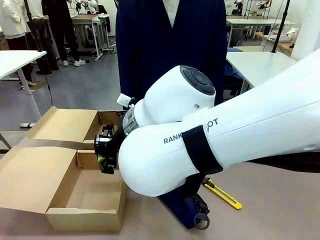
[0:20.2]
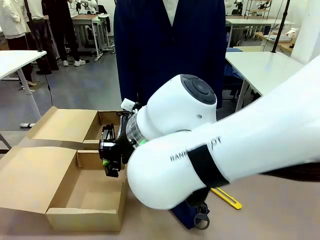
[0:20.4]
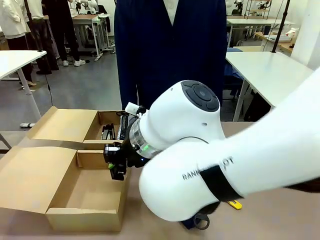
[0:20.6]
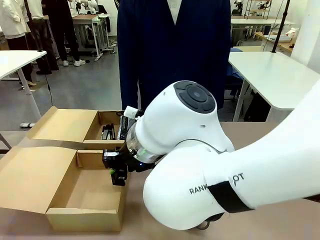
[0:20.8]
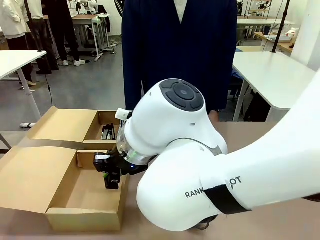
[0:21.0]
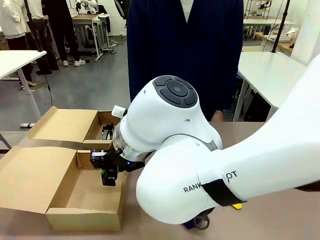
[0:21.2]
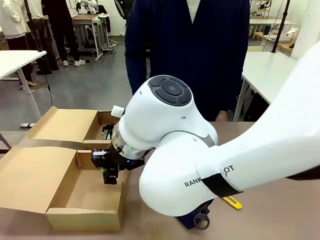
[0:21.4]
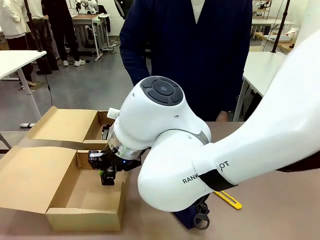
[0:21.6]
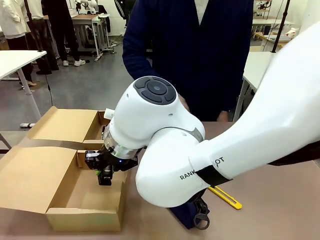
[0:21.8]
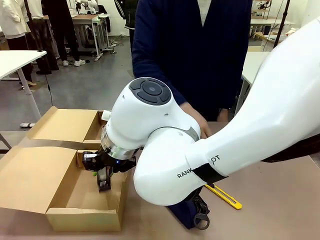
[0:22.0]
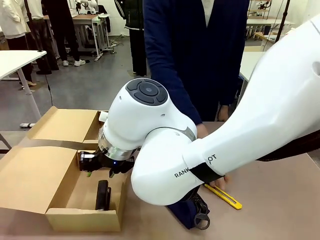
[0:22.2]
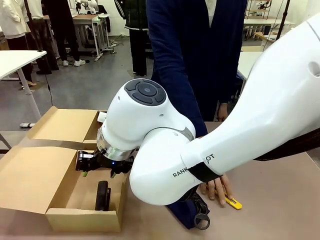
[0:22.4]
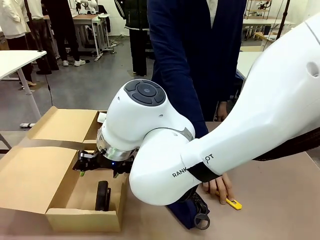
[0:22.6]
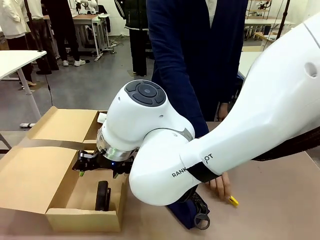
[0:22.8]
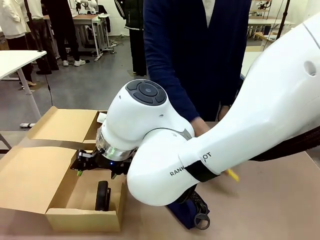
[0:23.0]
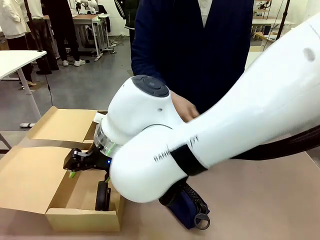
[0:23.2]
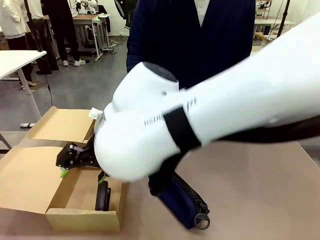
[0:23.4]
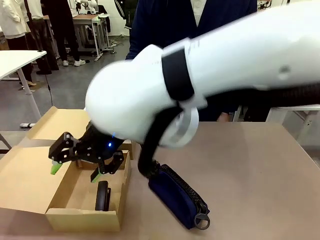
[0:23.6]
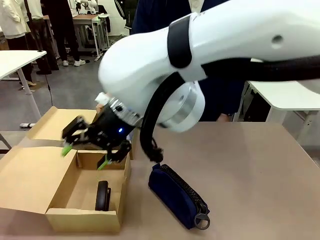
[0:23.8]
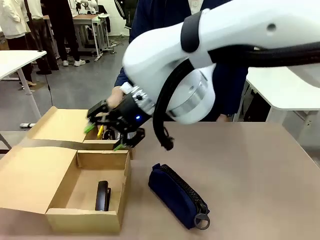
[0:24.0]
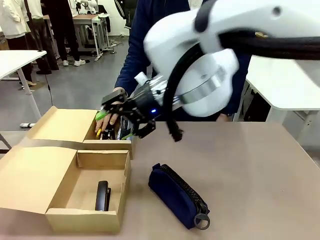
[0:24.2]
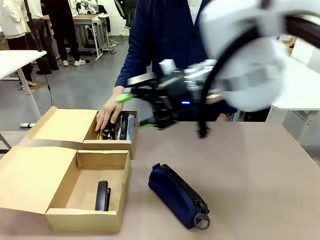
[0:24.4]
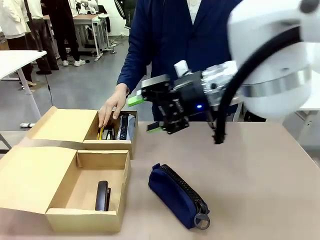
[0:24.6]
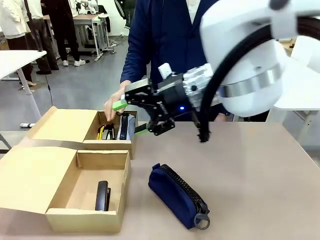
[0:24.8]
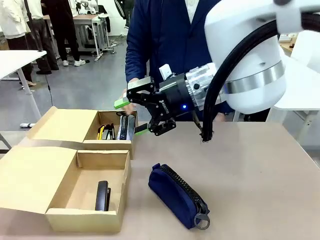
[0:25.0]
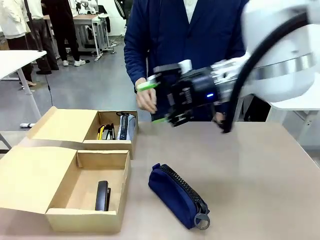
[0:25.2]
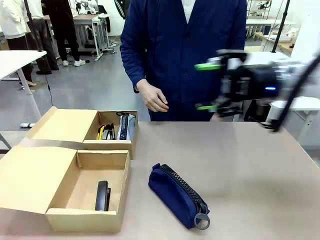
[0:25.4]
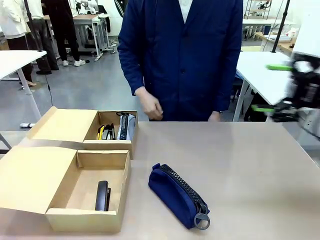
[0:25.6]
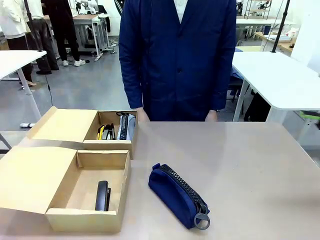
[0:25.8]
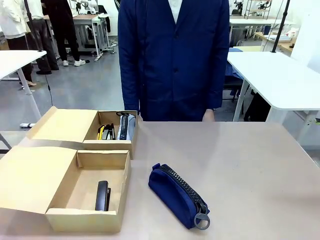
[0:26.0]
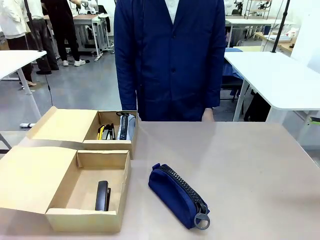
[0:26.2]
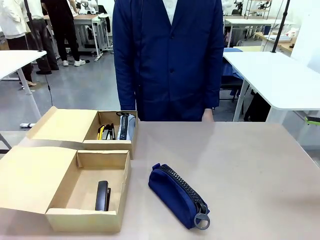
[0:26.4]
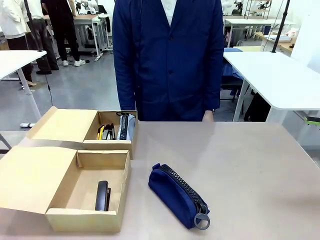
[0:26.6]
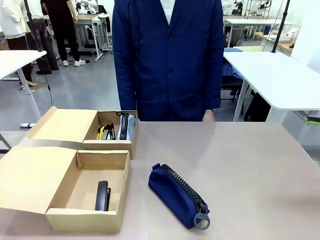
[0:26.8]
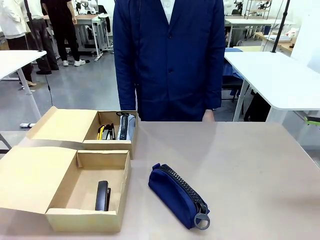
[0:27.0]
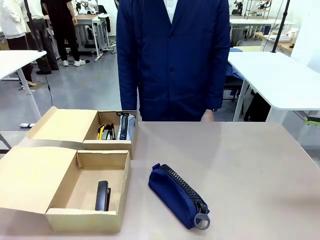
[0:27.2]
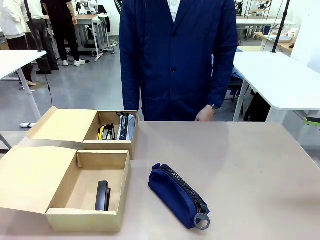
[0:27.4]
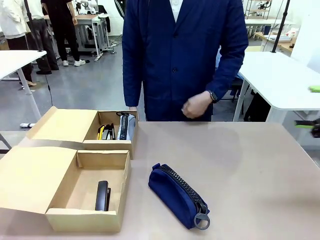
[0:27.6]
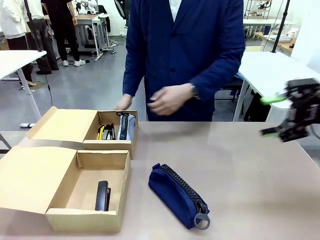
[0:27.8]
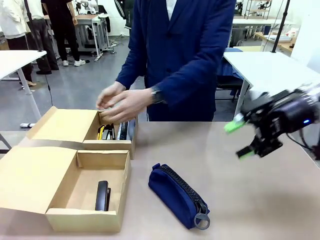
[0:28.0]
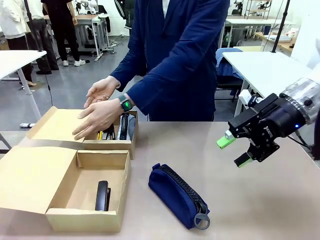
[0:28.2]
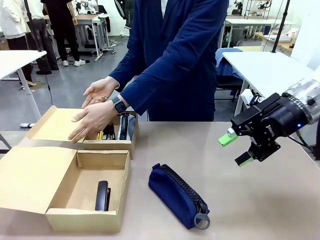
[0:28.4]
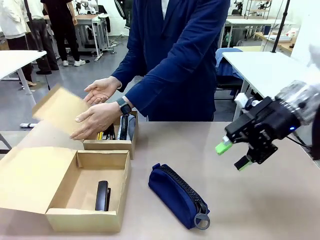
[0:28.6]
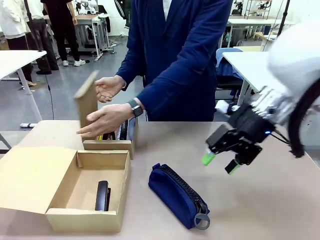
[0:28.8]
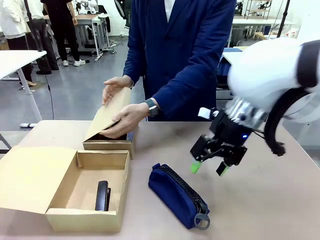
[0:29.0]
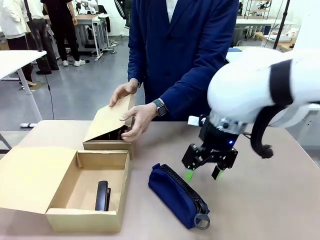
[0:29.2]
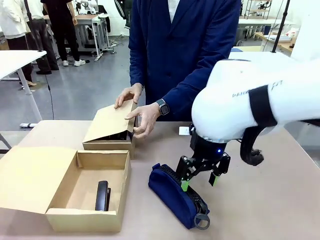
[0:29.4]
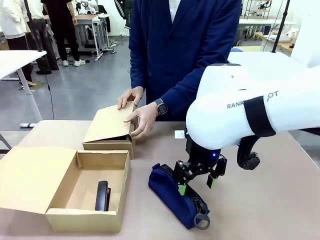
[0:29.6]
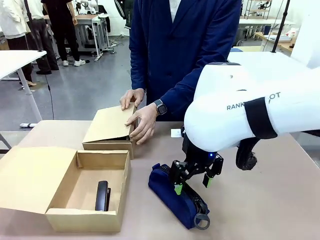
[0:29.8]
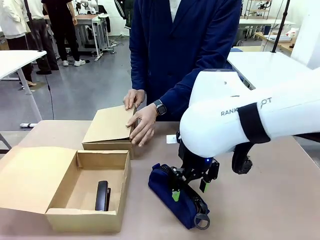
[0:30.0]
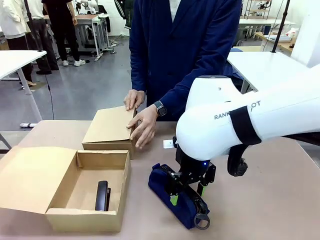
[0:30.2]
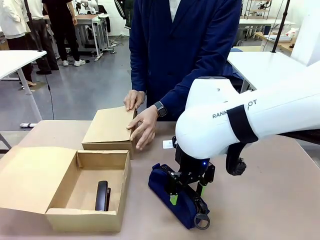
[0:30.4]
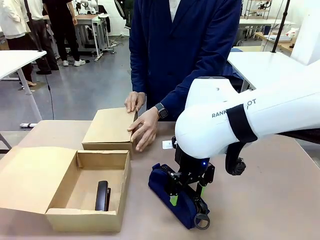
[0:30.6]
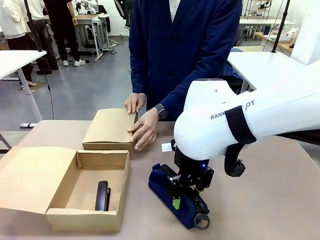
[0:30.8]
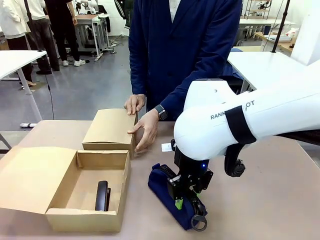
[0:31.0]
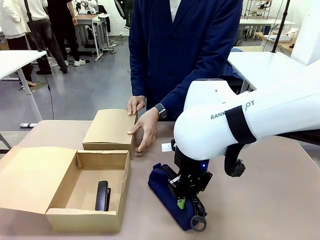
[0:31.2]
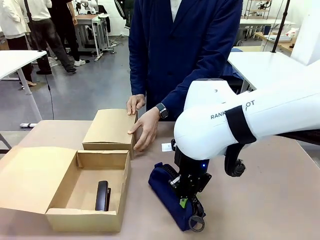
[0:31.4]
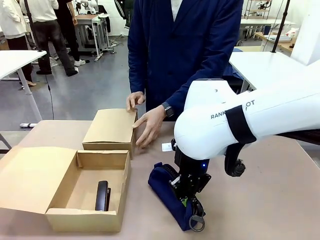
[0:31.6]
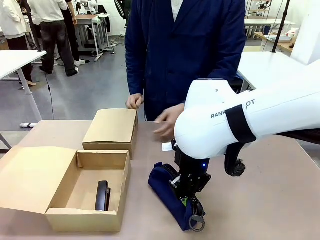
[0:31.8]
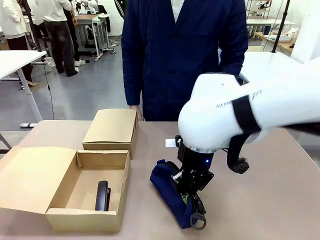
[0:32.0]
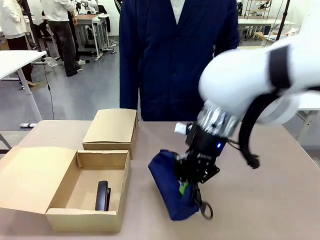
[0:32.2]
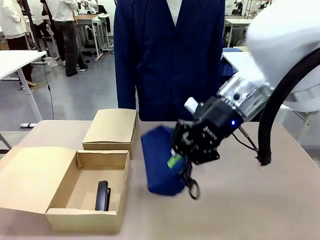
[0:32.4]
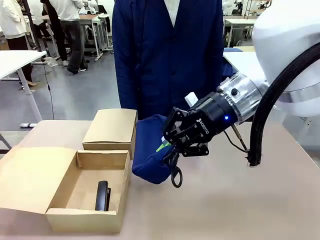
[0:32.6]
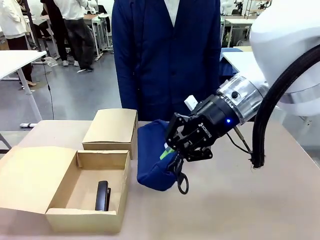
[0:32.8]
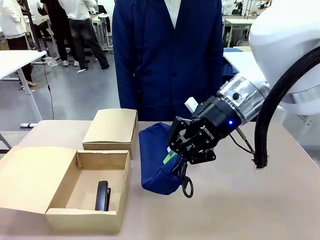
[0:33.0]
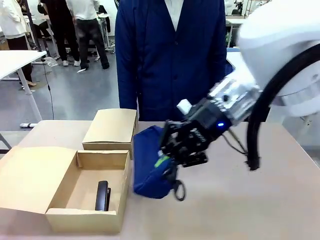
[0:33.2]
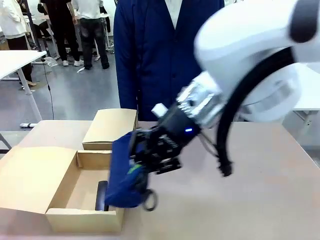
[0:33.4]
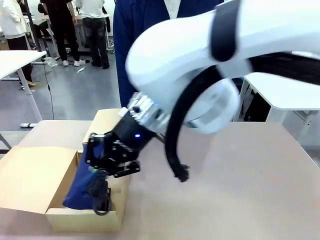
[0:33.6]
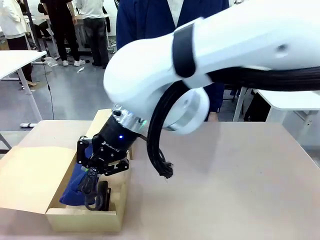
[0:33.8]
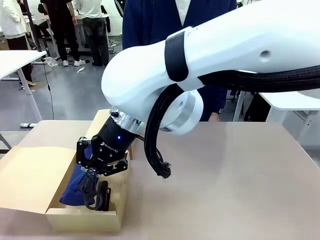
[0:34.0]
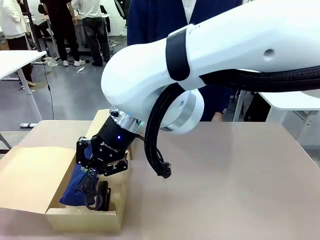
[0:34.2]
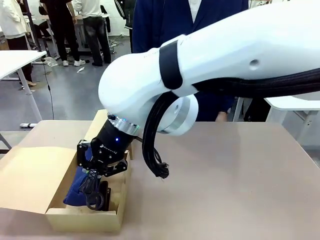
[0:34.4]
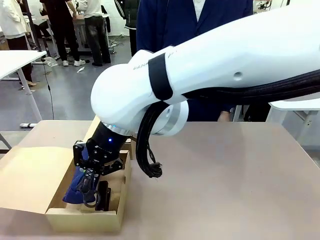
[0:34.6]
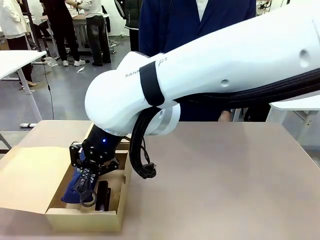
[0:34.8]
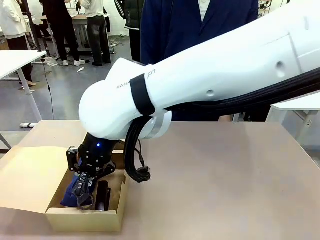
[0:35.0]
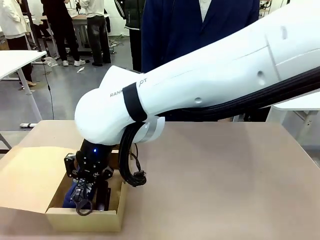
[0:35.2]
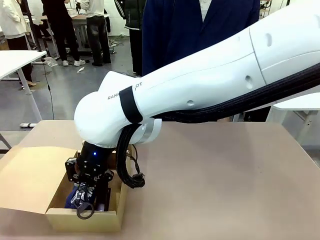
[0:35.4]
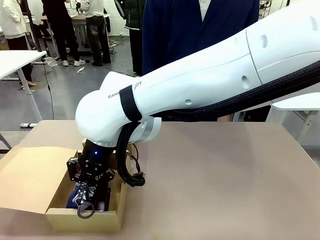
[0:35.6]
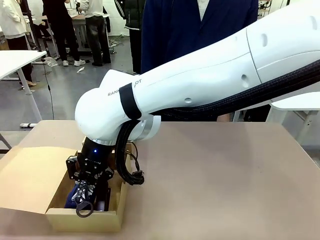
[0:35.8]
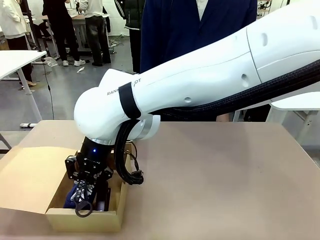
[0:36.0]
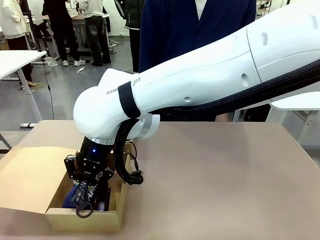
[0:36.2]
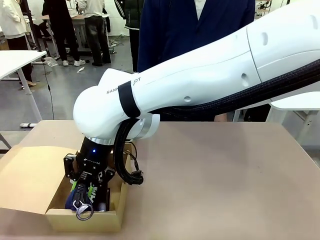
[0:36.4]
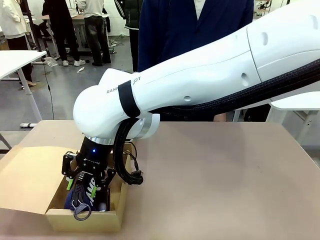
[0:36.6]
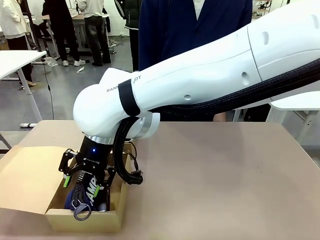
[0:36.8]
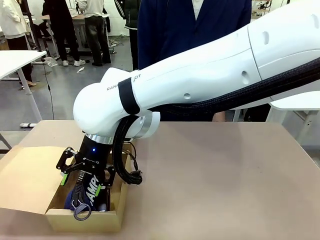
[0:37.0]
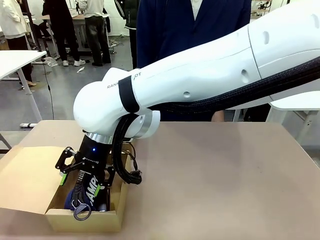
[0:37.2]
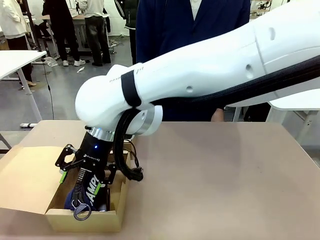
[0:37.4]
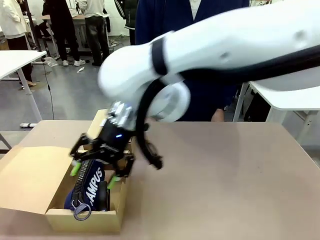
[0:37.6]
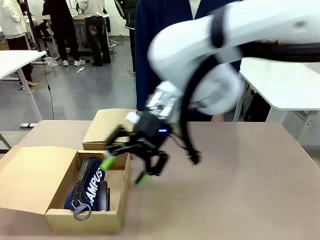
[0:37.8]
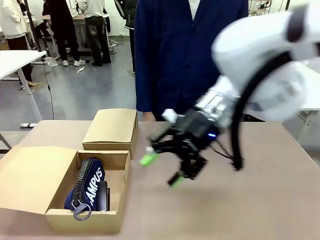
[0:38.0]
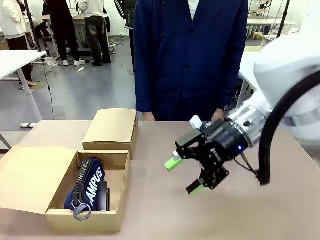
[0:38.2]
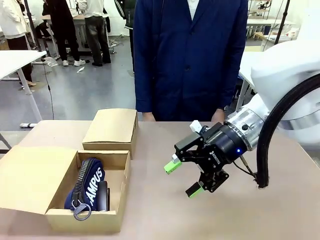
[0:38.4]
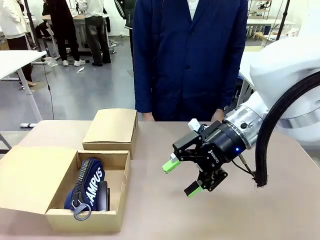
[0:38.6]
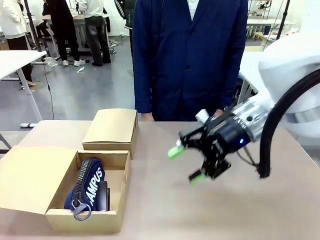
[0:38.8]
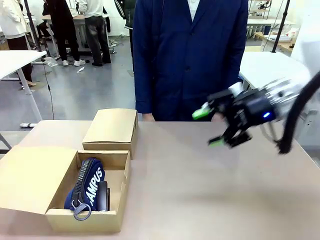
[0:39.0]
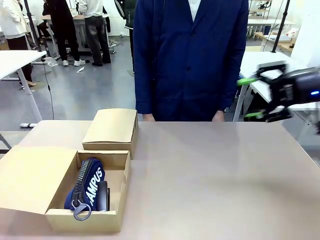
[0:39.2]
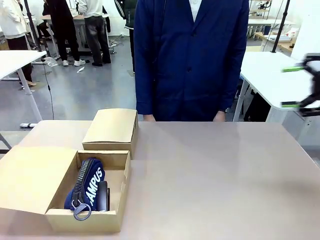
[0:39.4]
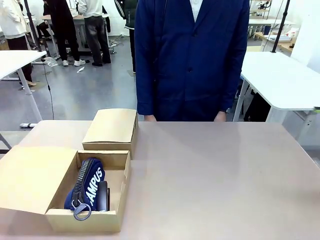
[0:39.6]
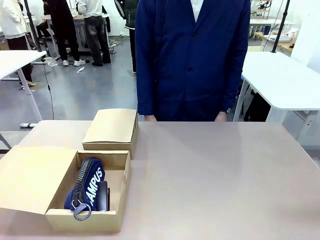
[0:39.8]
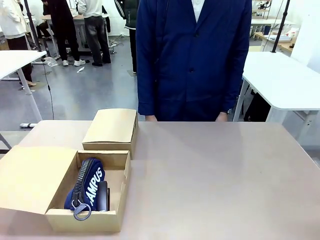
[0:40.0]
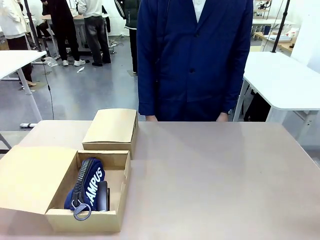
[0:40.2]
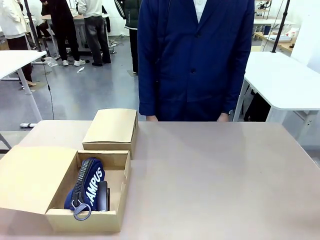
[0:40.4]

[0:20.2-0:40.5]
Task: Place items inside the box.
Robot: Pick up a Pencil pouch or Stapler and place it inside the Mailer Box closest to the robot.
Person: Close the lid of the box facing the person.
